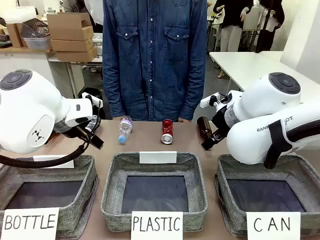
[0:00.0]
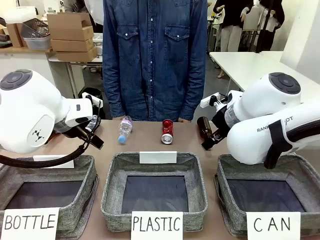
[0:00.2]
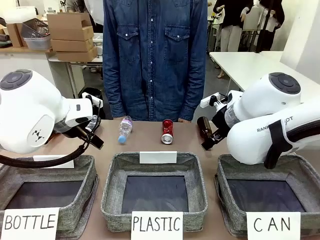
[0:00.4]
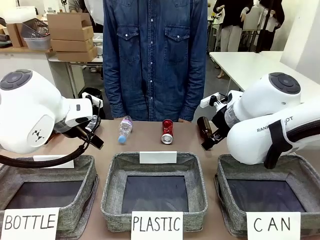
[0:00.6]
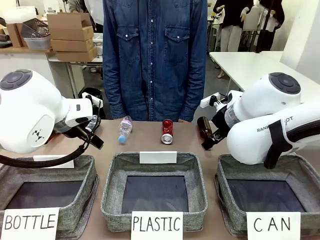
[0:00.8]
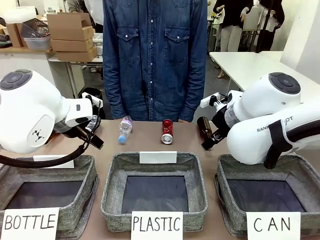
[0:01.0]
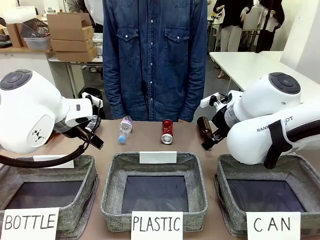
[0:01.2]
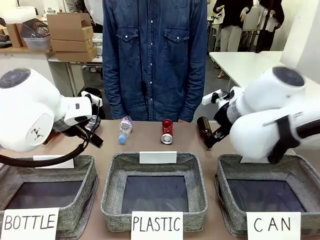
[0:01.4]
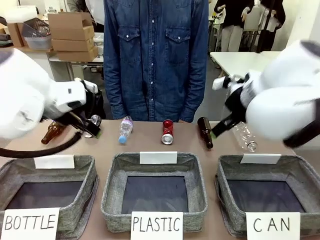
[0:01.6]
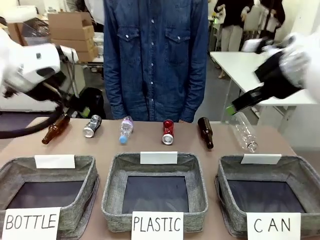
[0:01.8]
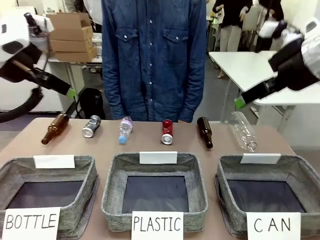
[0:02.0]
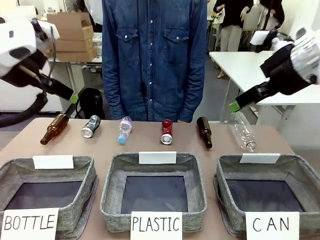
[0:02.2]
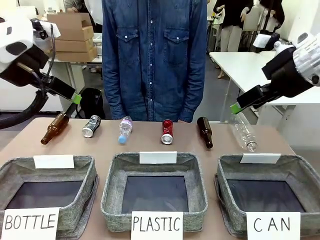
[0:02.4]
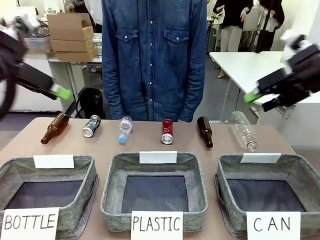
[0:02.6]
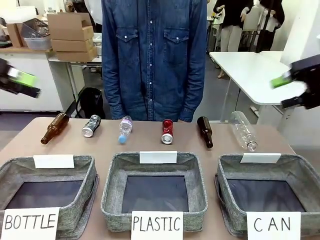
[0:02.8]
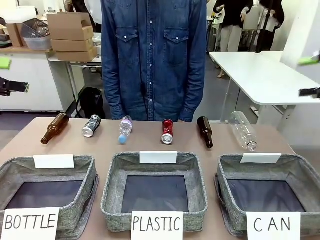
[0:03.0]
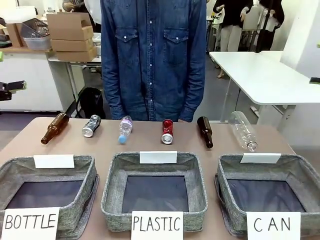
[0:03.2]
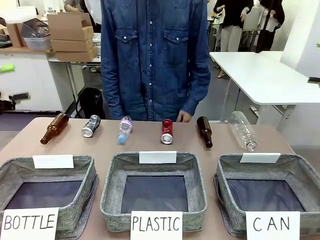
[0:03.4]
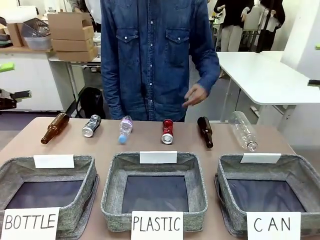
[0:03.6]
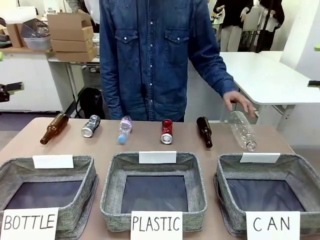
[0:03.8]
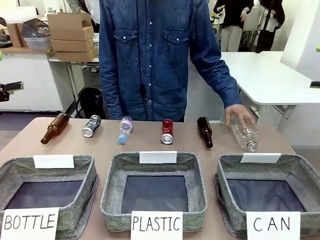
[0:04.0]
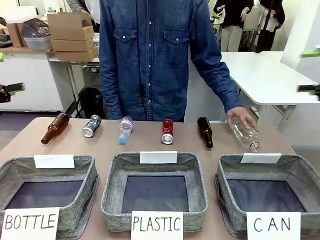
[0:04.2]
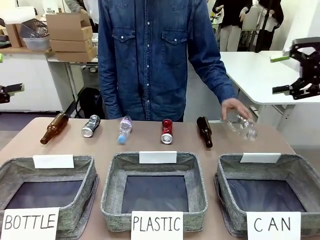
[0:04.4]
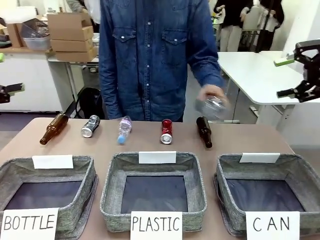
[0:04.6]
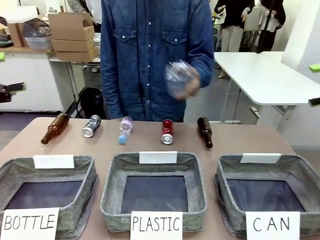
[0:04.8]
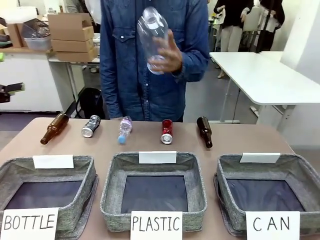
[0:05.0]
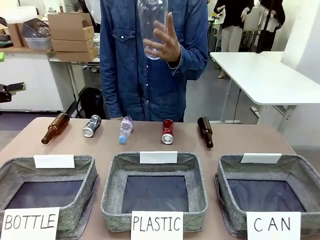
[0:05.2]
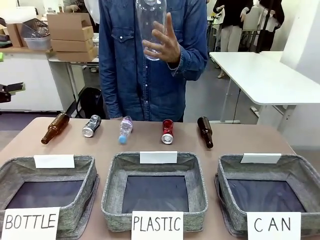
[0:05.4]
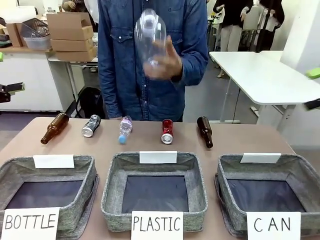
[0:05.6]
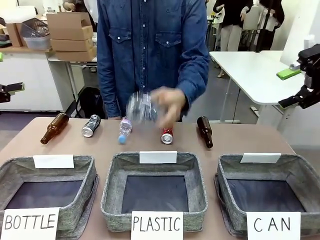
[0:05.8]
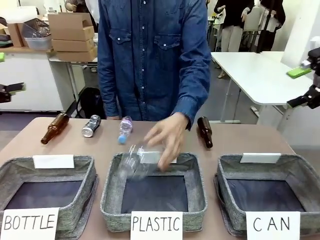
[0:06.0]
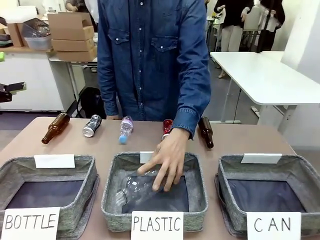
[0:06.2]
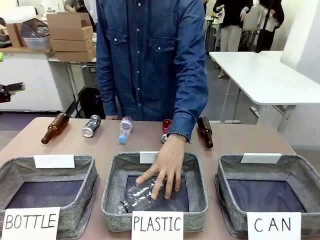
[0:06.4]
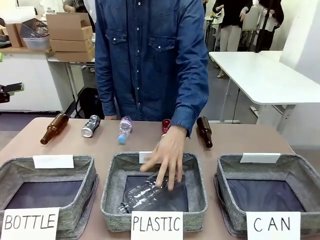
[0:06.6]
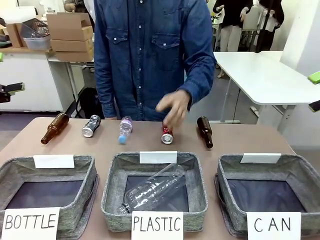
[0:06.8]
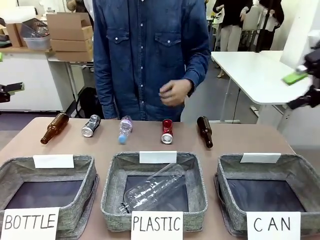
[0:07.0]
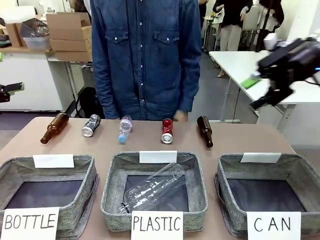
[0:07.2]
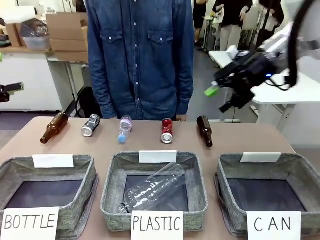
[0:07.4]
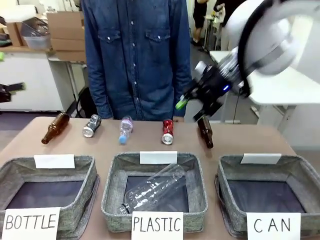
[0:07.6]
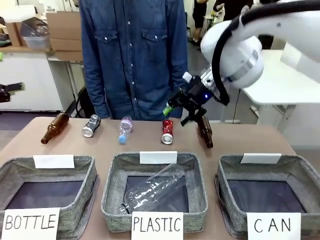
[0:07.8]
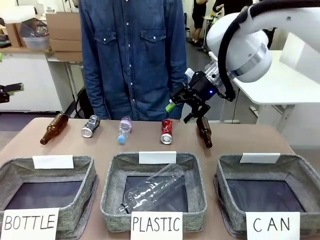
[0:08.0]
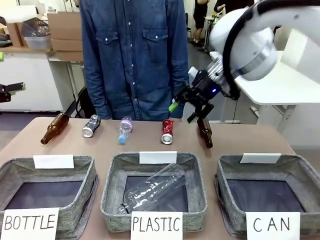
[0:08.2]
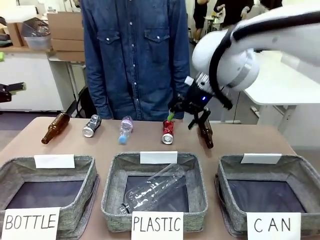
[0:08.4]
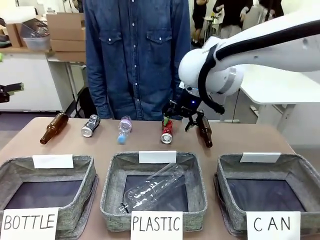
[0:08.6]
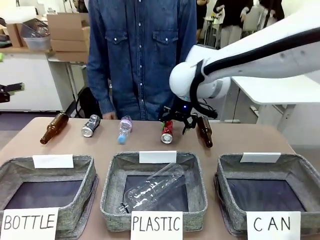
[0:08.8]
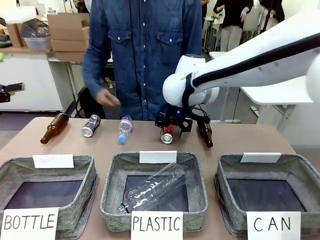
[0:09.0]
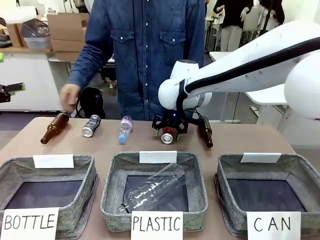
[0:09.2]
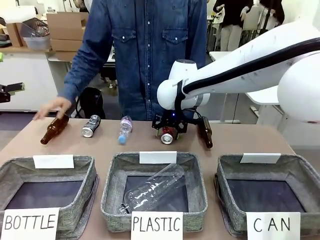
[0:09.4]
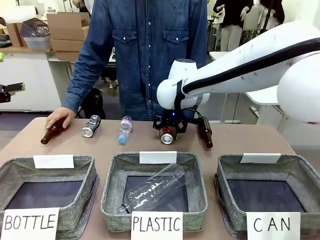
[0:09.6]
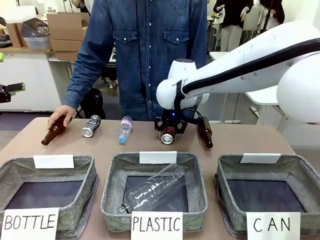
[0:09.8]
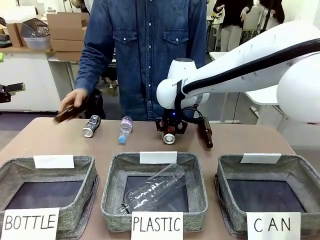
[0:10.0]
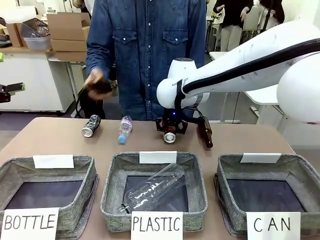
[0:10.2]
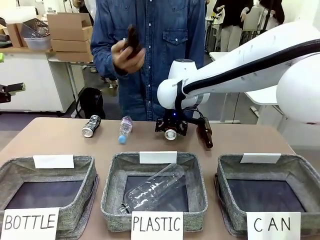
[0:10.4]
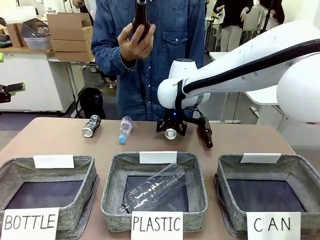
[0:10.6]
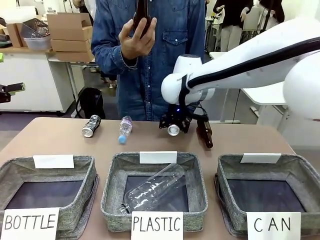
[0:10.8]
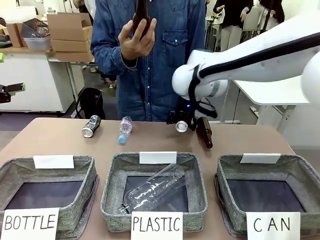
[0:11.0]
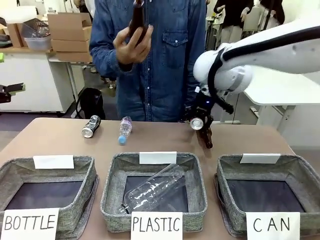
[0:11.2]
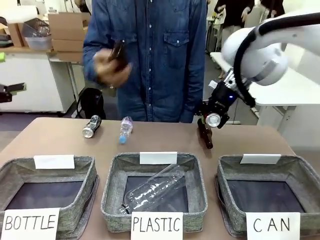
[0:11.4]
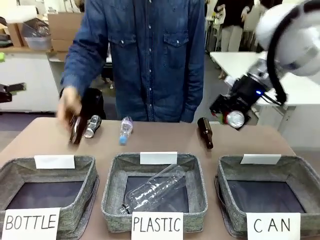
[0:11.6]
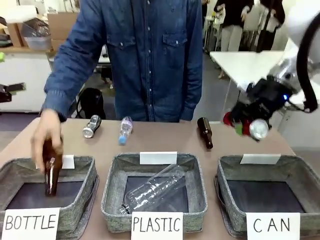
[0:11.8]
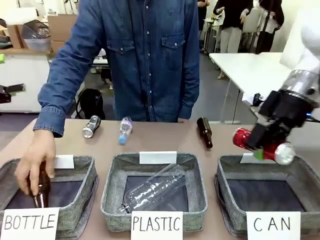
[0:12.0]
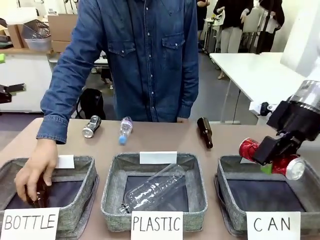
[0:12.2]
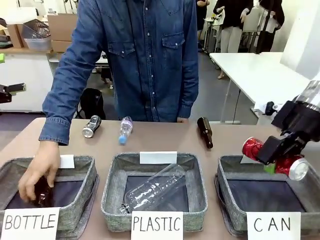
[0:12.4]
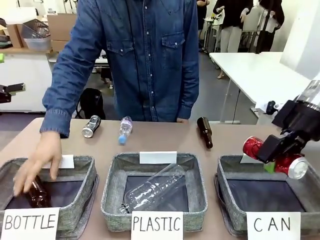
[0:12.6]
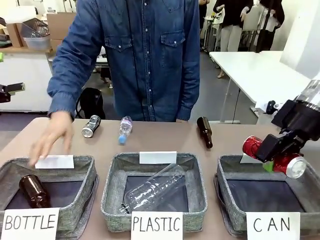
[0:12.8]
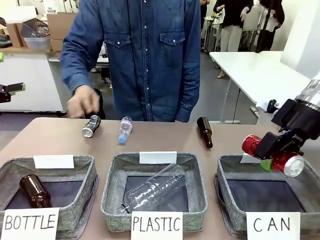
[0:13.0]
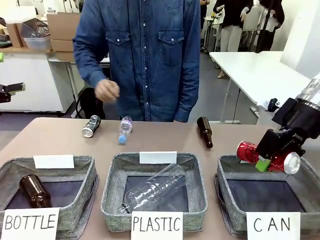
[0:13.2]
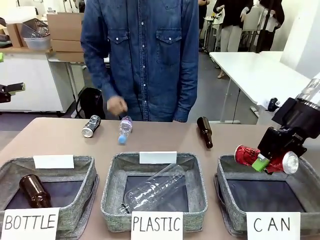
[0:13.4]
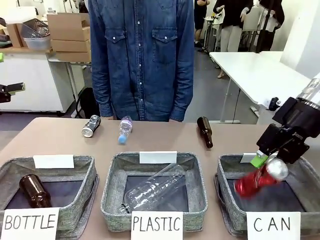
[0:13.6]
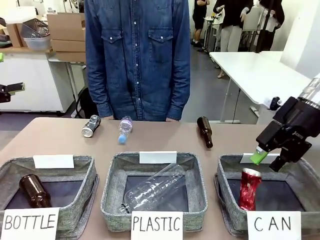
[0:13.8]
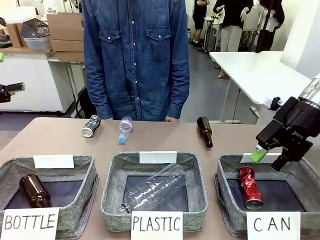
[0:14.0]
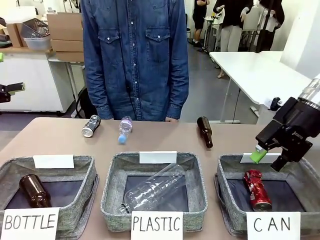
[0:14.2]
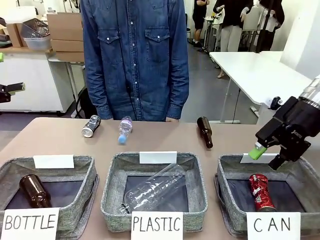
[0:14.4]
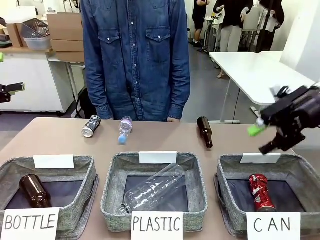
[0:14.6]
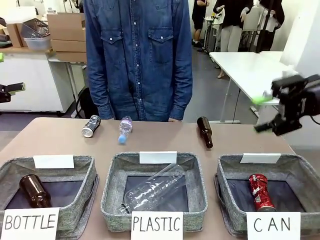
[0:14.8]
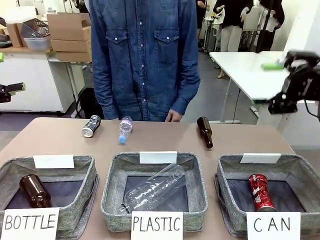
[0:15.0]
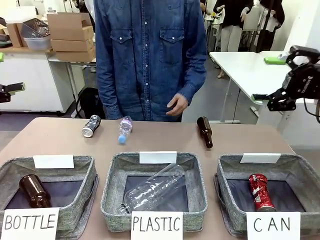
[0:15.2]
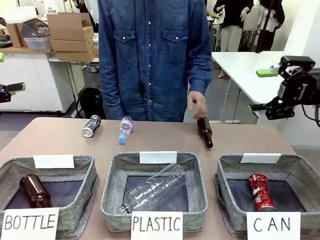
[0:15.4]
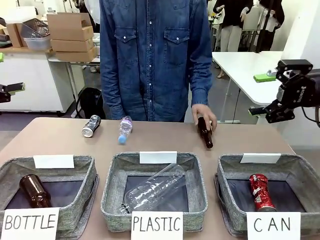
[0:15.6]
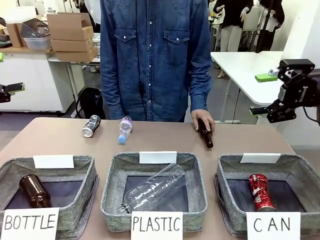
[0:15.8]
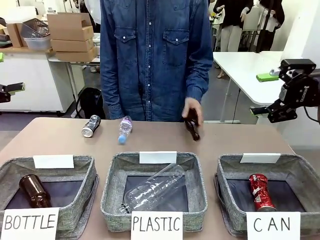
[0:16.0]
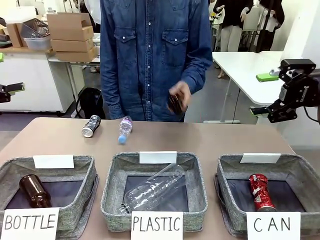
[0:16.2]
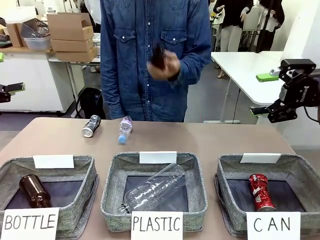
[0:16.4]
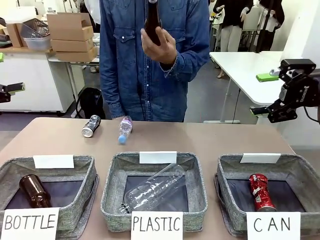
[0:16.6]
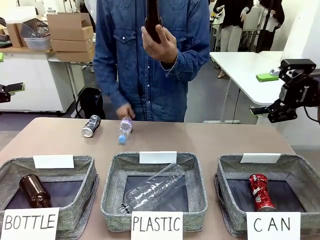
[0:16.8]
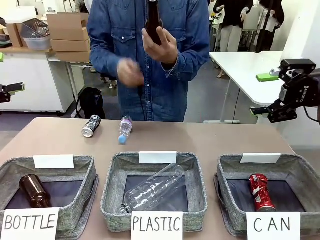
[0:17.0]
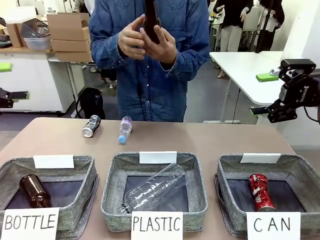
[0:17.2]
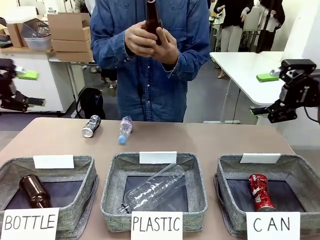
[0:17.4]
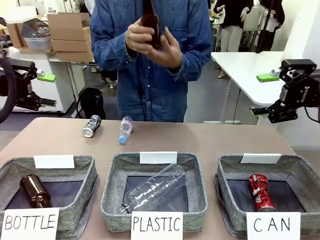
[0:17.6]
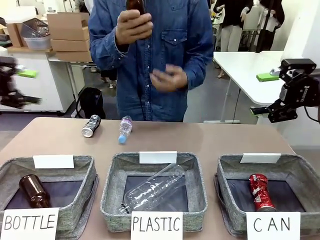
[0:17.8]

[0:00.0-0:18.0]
Task: Sort the can waste into the basket.
Robot: Pick up the can waste from the table and place it in the right Fabric basket.
